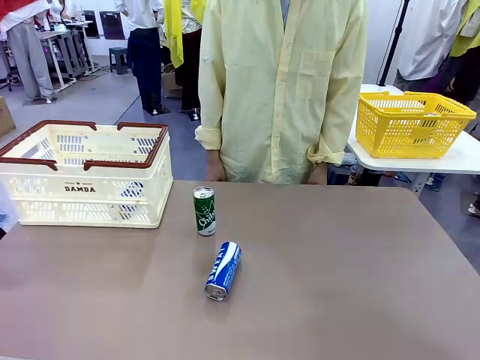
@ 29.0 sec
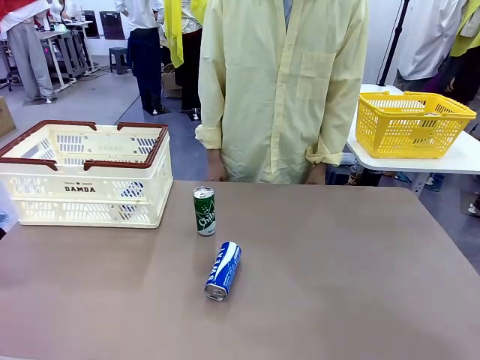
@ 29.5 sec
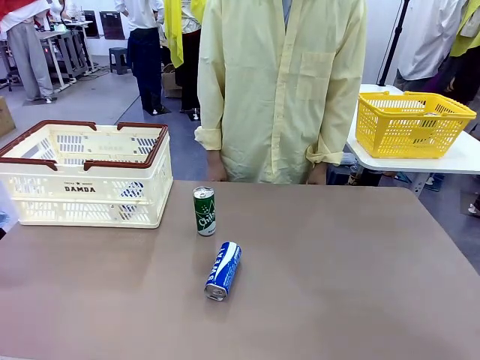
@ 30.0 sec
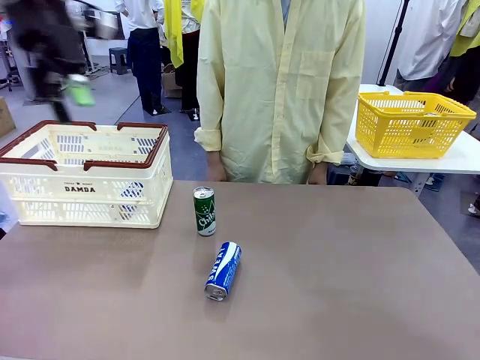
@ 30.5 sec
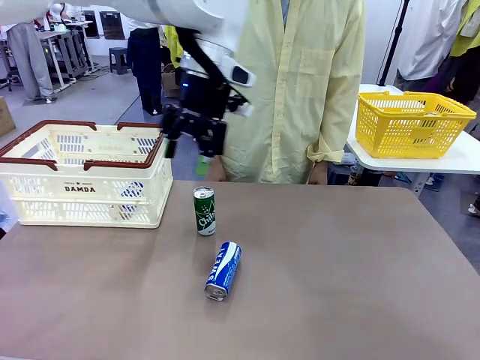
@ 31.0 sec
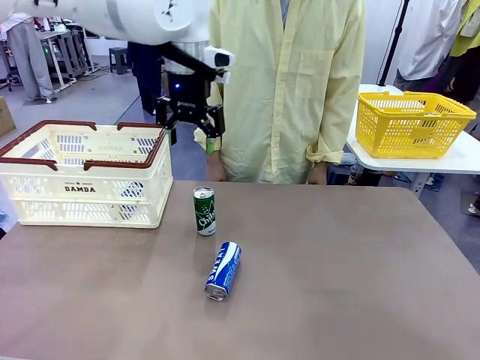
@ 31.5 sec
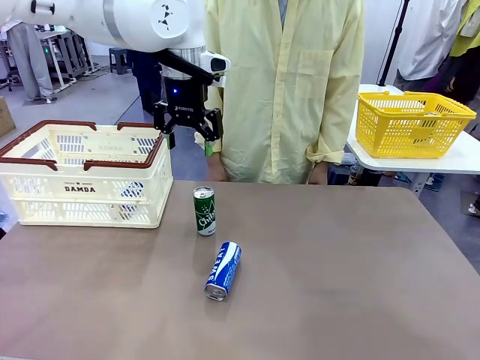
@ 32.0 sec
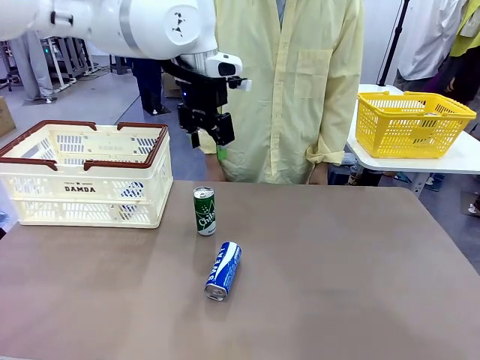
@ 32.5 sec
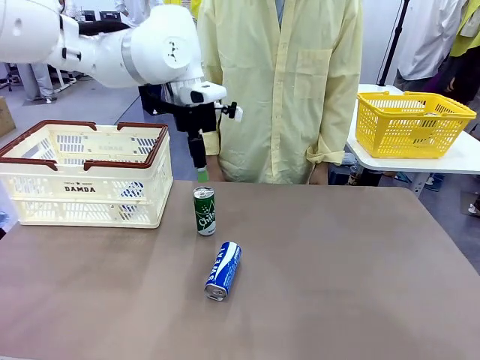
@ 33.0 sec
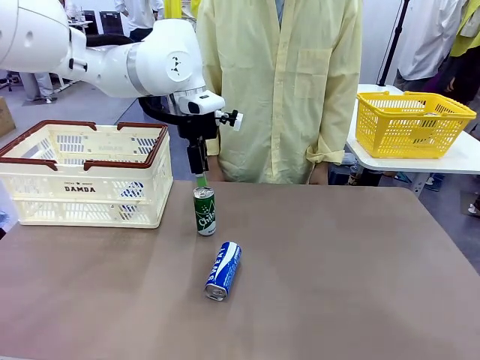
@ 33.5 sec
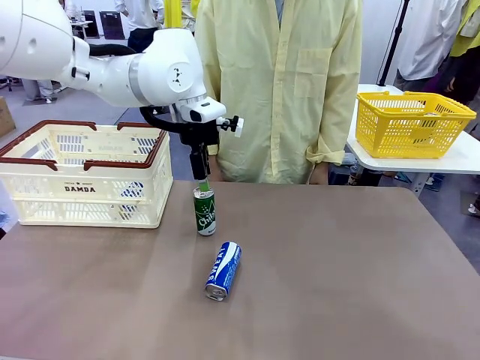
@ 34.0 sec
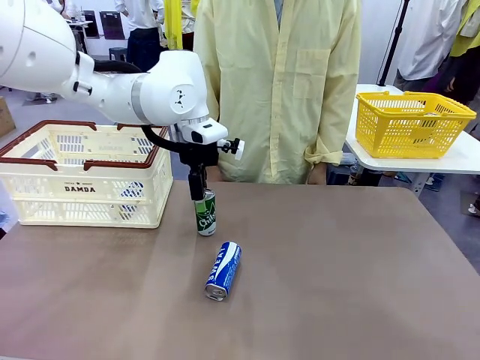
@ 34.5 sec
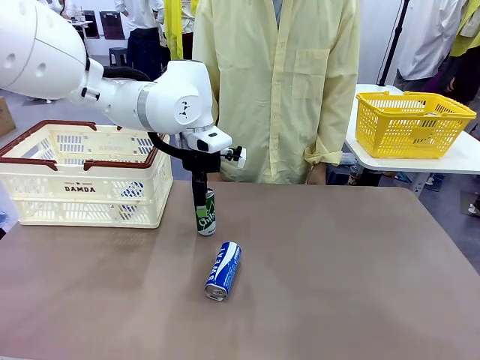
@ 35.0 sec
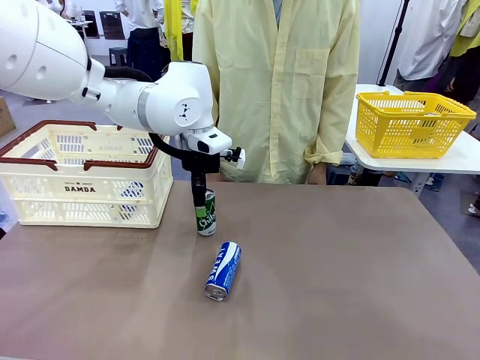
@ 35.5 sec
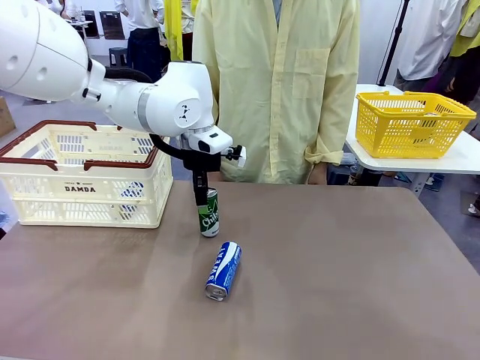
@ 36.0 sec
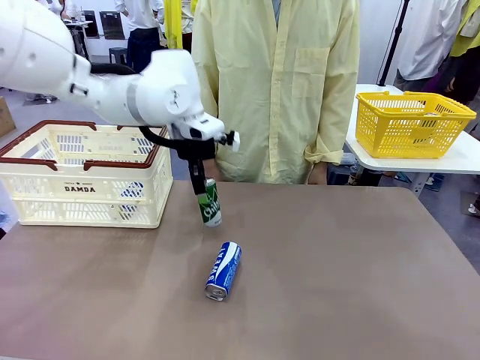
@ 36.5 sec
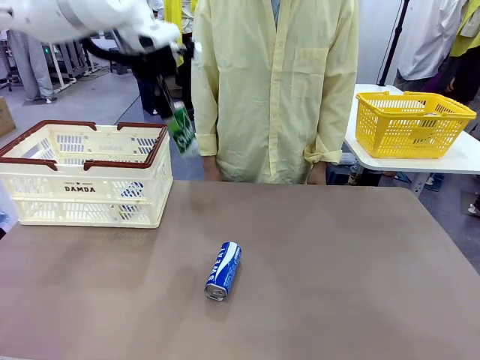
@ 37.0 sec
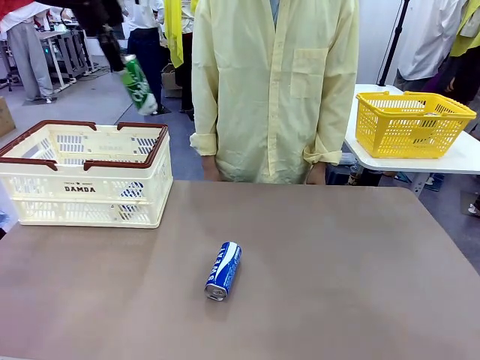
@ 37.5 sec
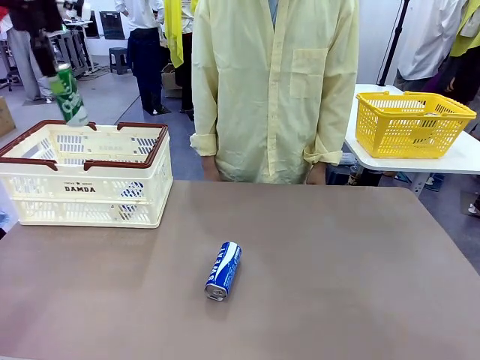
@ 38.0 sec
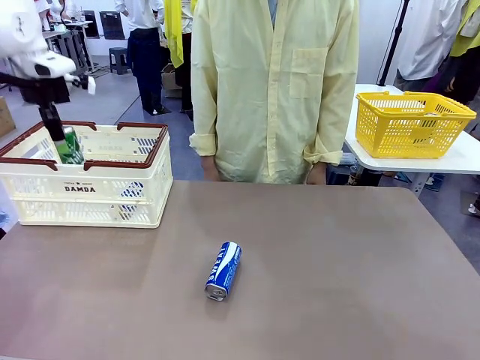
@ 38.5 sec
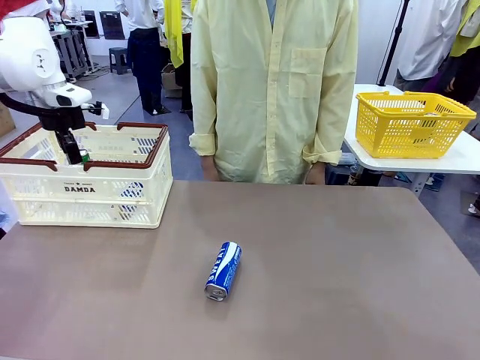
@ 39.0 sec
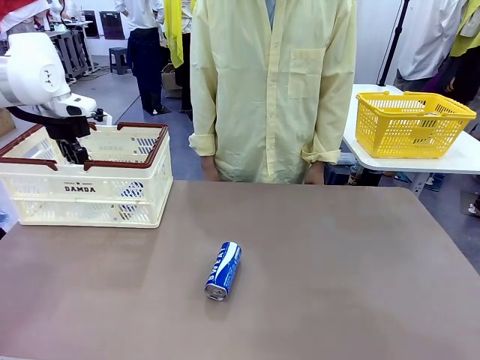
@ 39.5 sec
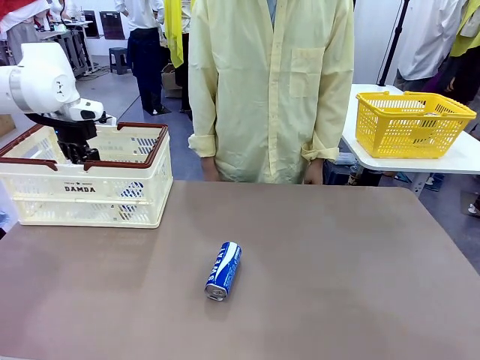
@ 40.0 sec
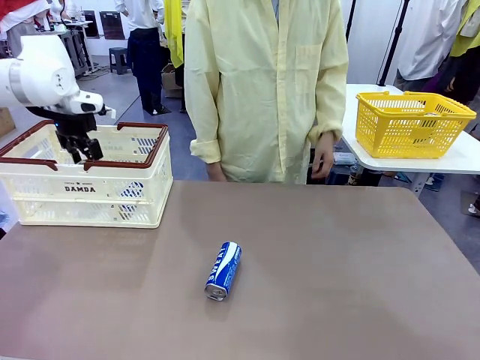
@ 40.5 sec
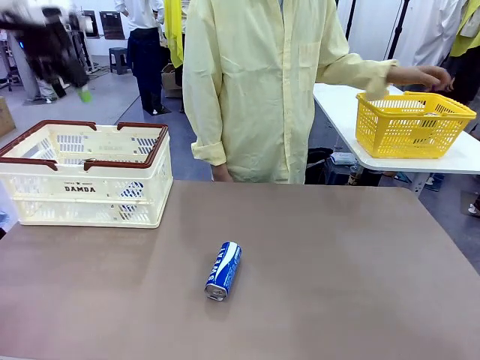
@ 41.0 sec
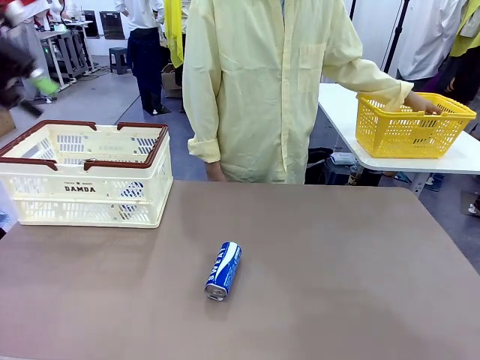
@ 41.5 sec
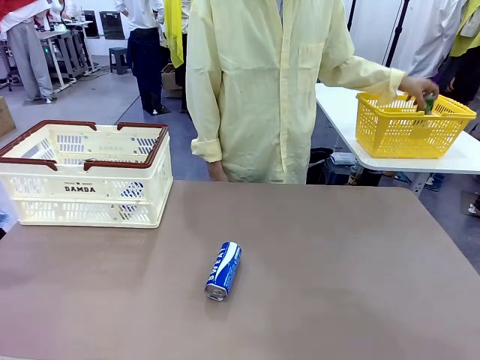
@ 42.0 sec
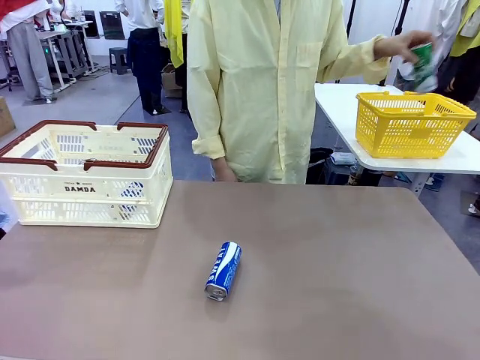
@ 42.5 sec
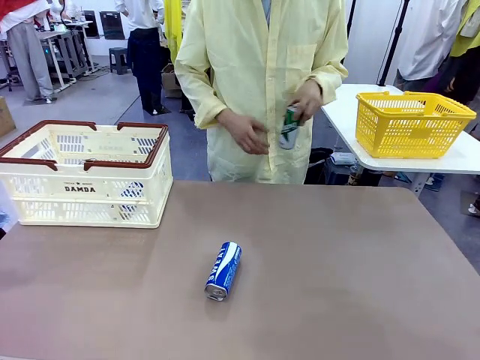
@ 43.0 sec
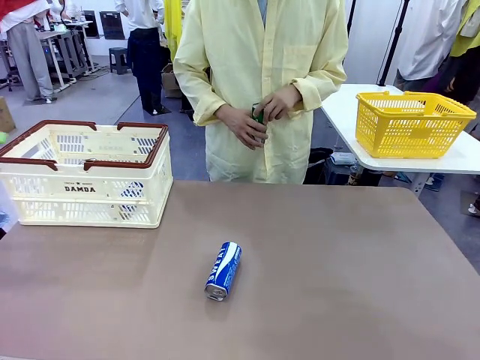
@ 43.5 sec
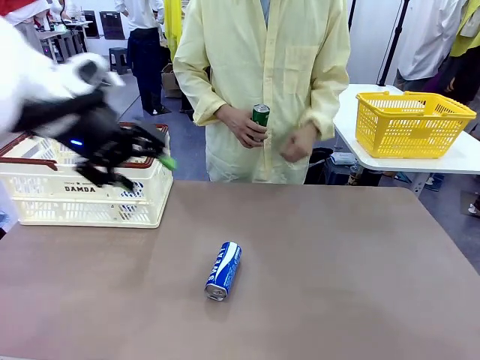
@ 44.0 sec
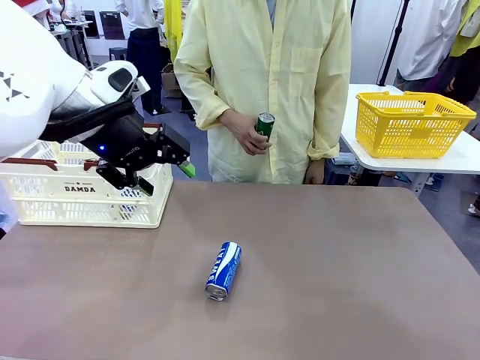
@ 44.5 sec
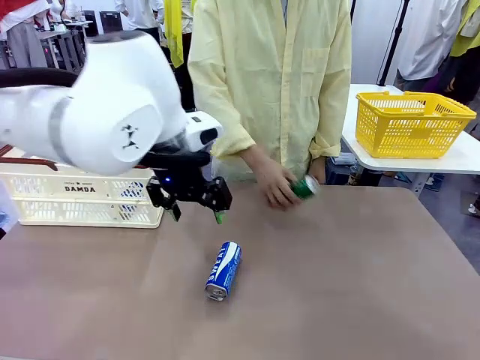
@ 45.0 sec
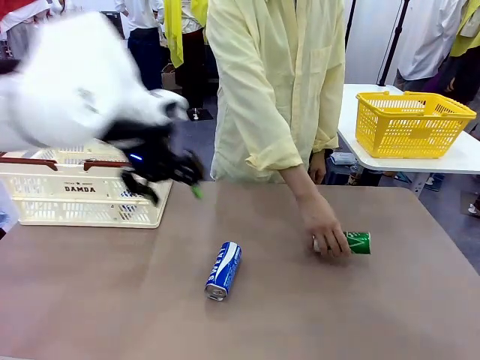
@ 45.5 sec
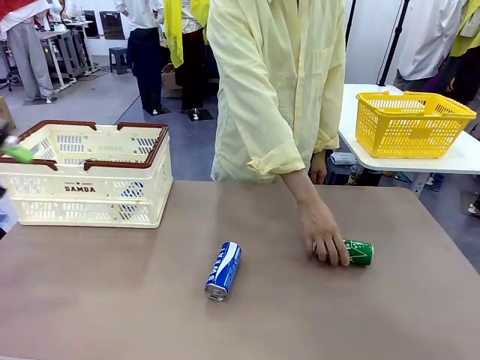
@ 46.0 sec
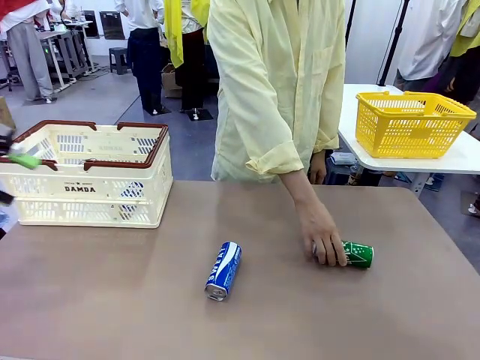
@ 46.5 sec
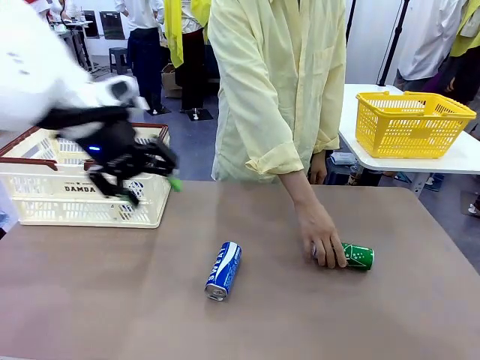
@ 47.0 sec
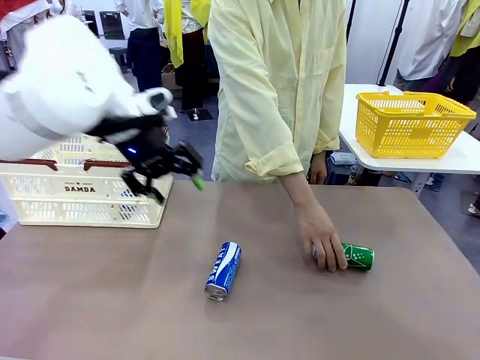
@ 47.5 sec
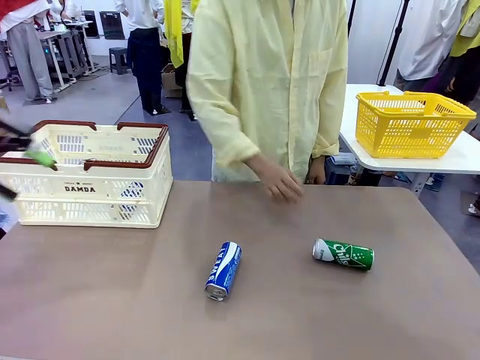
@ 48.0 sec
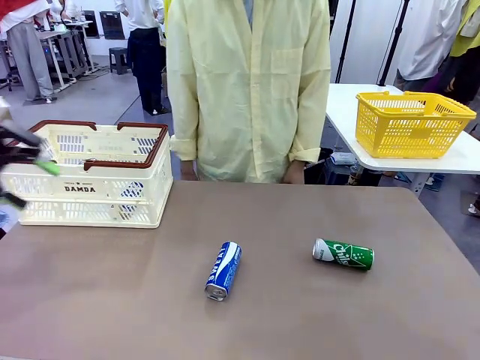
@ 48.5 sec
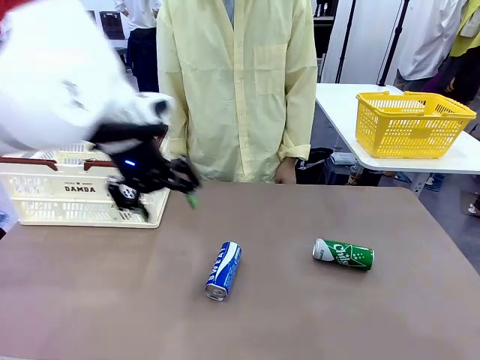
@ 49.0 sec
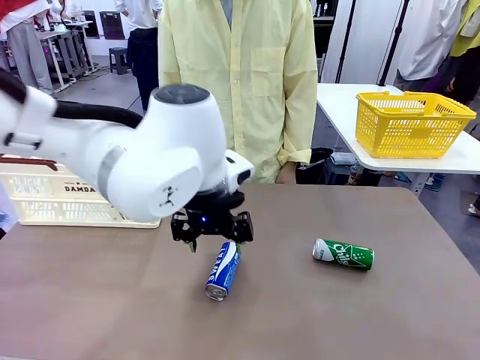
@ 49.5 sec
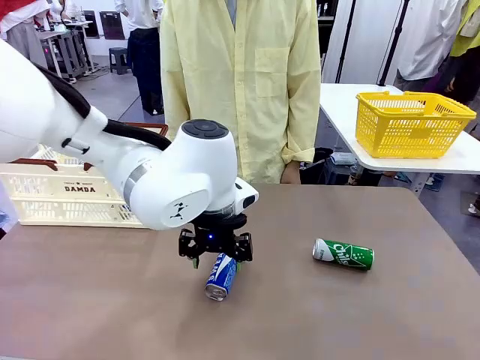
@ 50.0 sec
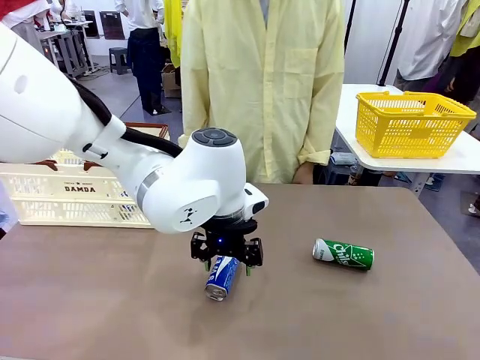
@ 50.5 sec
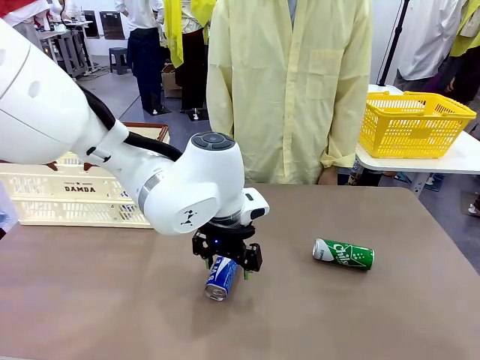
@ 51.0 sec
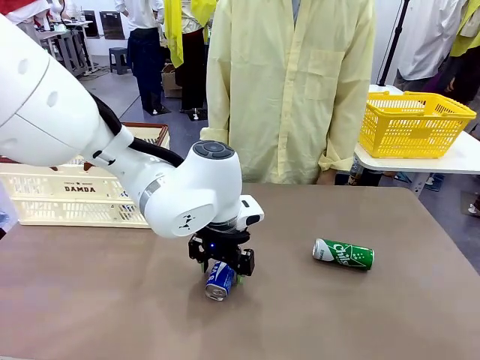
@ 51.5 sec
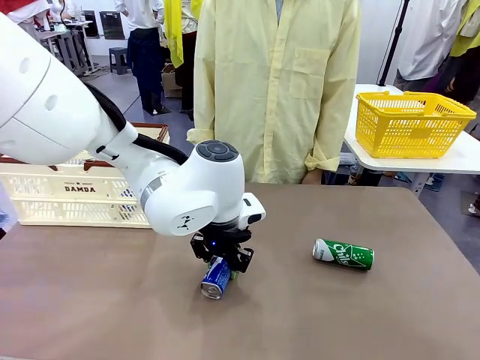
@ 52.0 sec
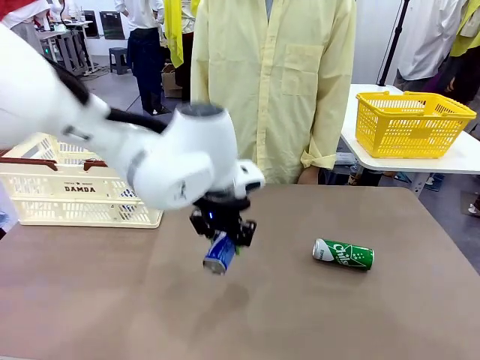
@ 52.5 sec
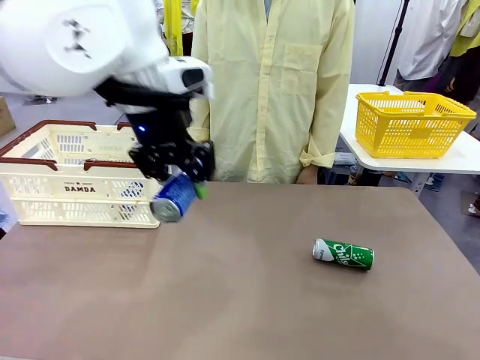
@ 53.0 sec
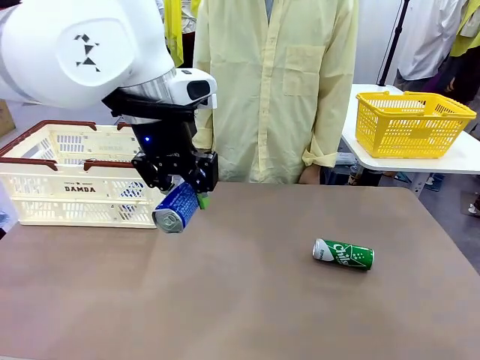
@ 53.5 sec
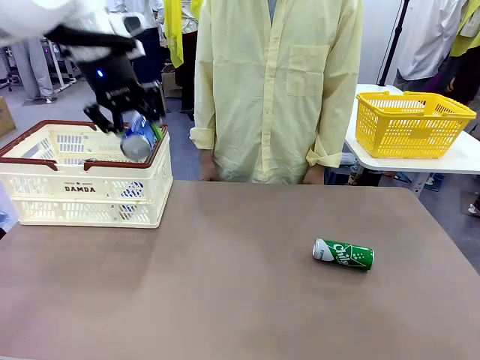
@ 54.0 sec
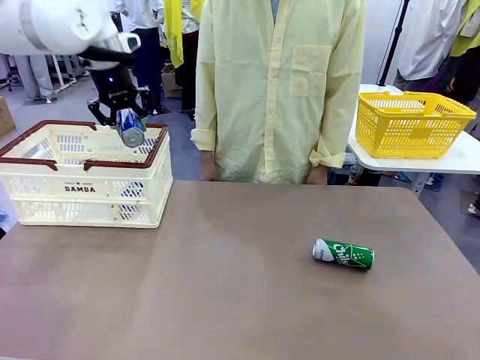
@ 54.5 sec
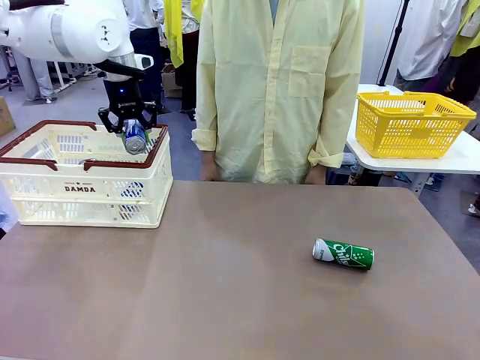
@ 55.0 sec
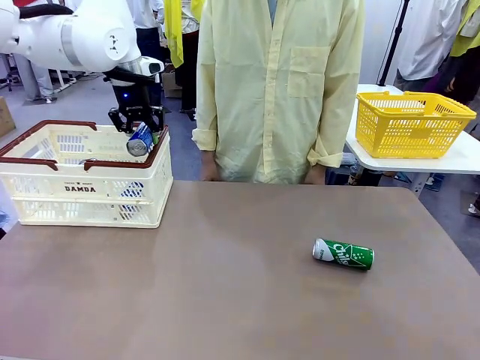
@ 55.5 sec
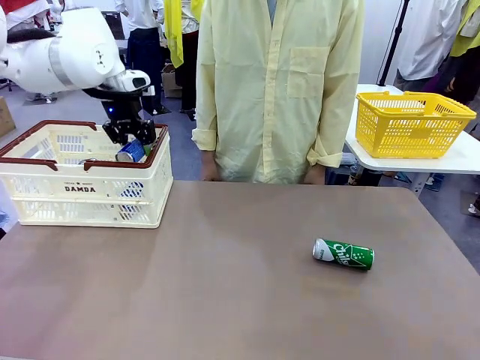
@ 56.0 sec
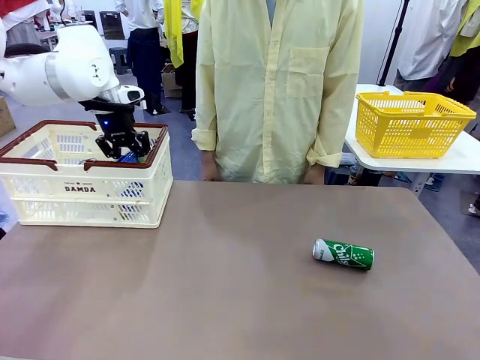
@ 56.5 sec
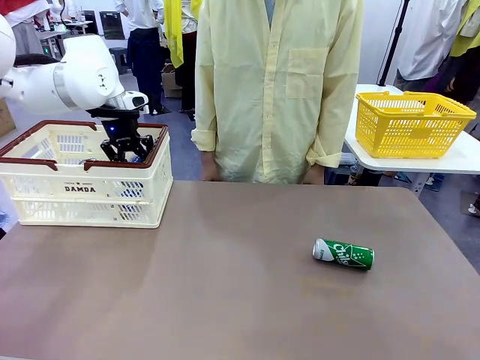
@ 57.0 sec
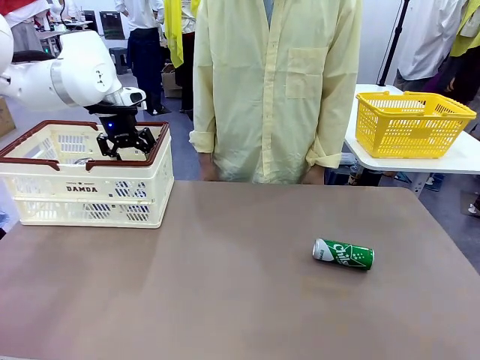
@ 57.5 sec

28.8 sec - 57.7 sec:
Task: Place the drinks into the Shopping basket.
Robot: Pick up one drink and place it into the Shopping basket.
